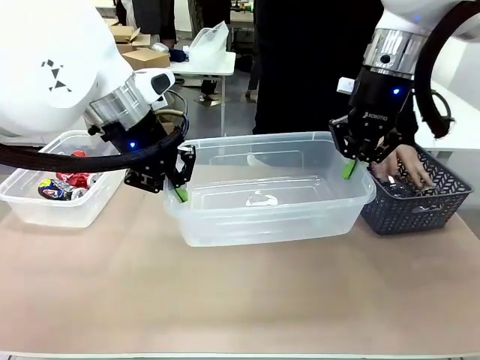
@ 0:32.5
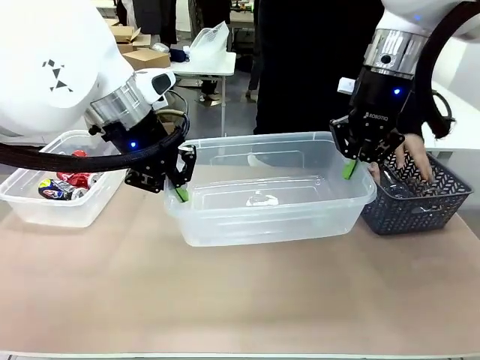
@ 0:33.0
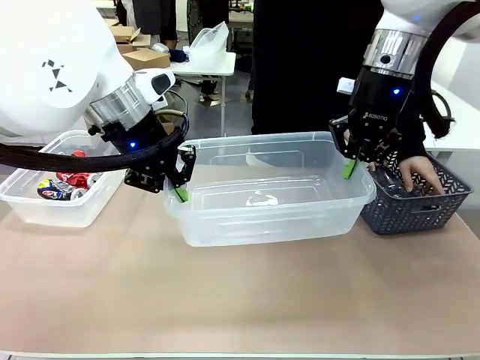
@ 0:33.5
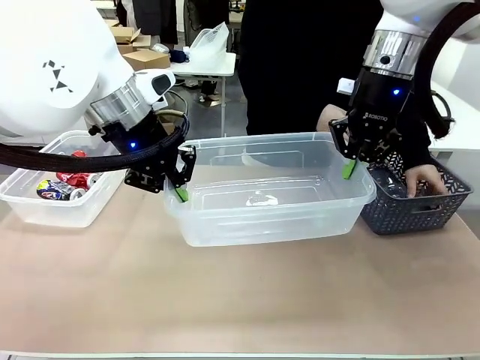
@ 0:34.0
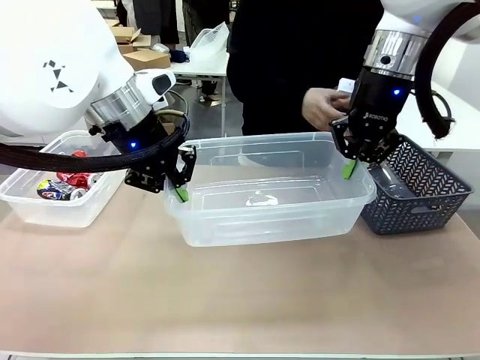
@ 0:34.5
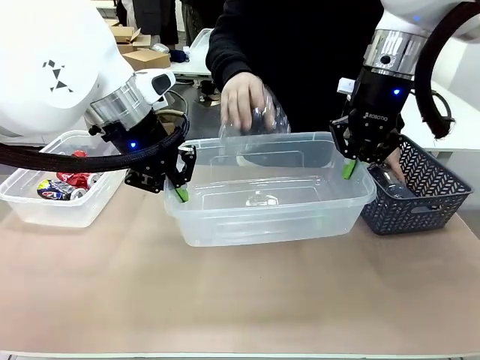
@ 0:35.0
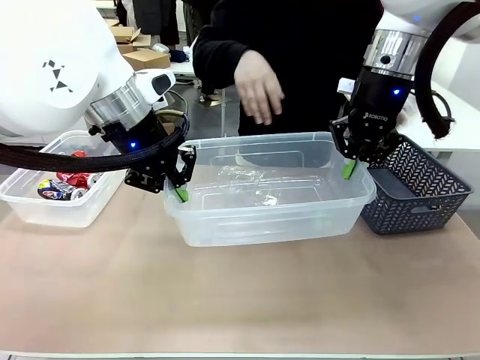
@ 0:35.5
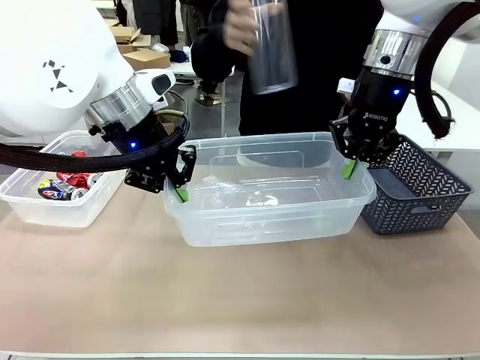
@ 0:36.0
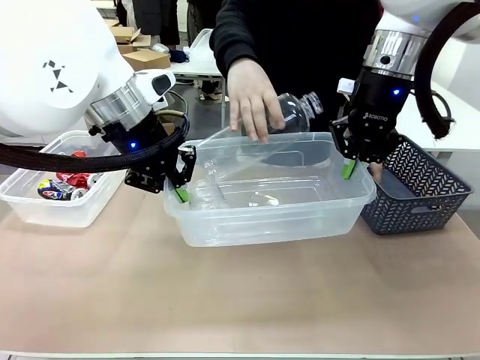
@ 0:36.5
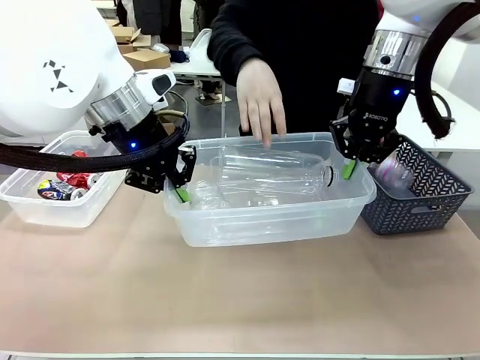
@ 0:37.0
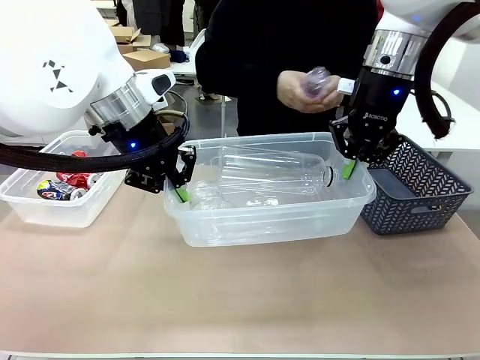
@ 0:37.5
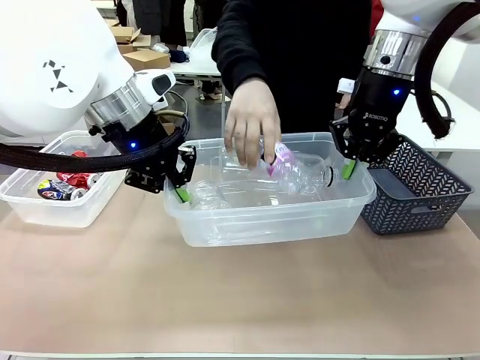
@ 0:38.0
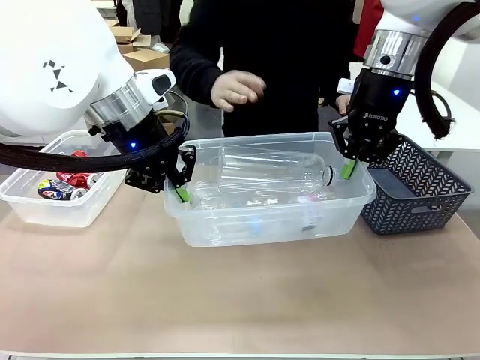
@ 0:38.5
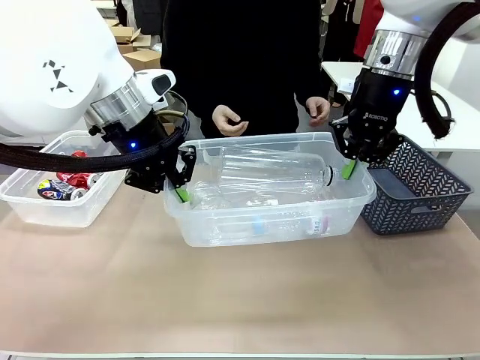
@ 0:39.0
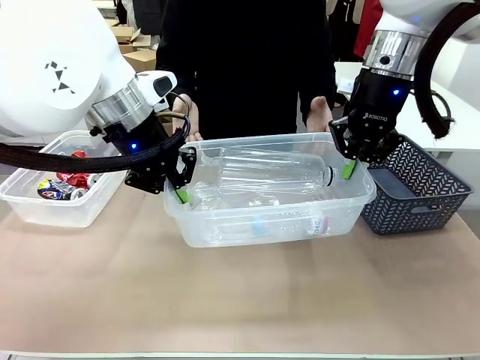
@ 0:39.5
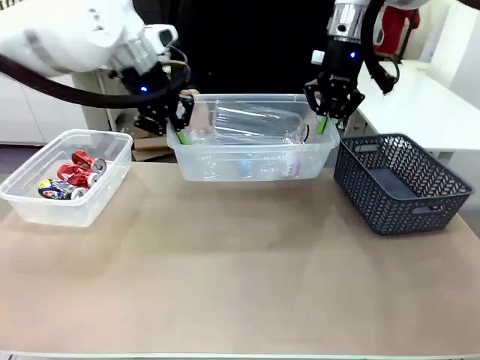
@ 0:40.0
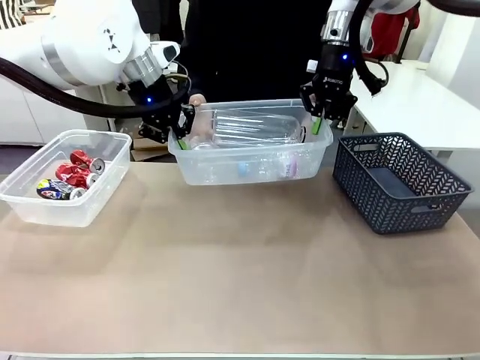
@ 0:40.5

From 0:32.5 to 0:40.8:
Robot: Offer the picked Organizing box to the human.
Person: Pick up plastic waste one by one and place it into the organizing box lifted by the robot.

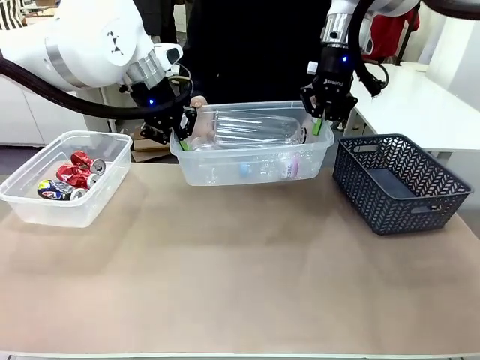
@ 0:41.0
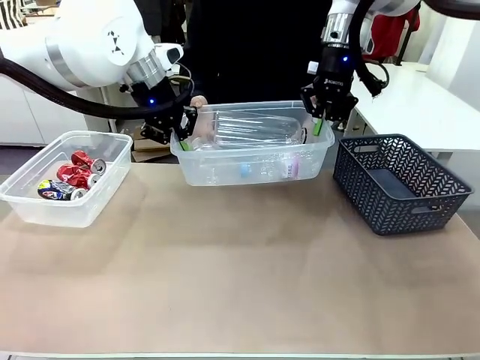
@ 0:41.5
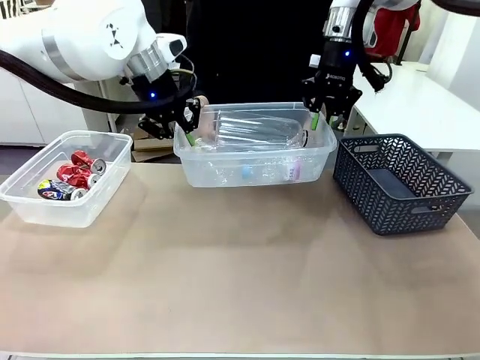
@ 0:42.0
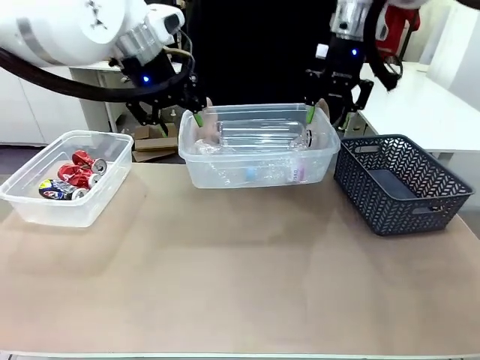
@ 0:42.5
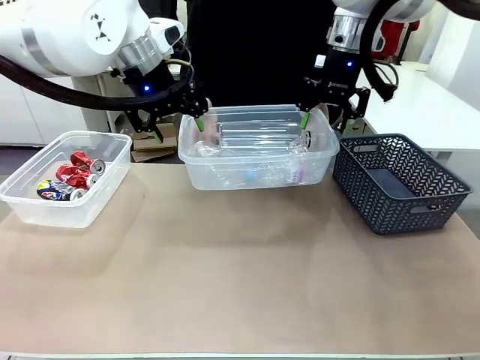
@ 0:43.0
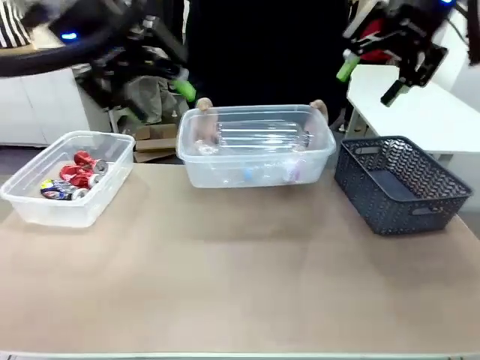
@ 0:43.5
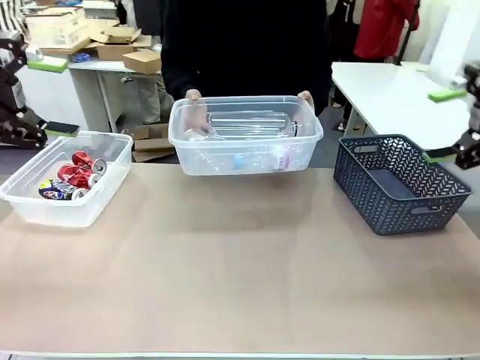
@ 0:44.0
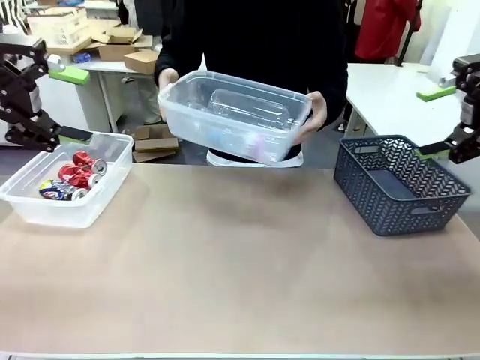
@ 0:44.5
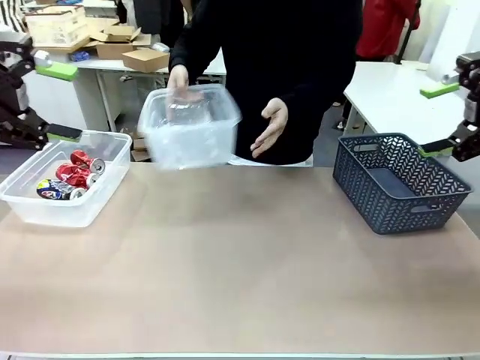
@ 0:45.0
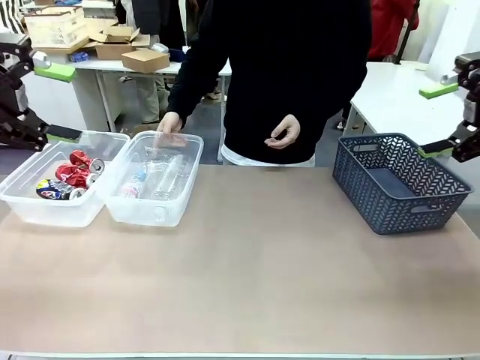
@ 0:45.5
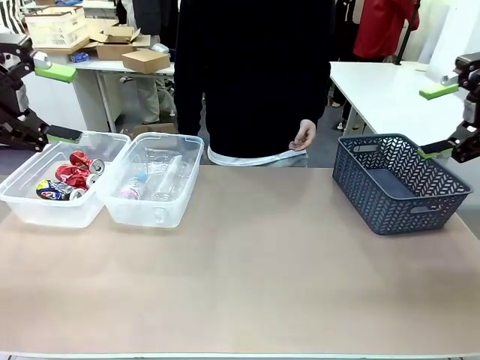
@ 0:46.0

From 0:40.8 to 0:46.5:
Robot: Release the Organizing box you were holding.
Person: Pick up the organizing box extended by the robot. Place the organizing box to the left of the sorting box containing the can waste.
